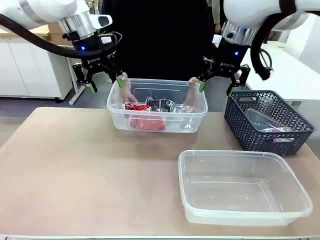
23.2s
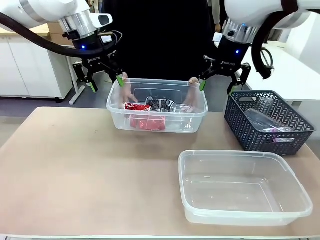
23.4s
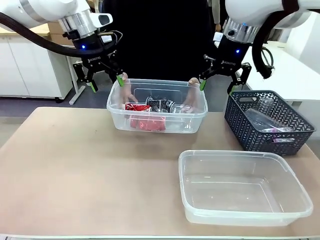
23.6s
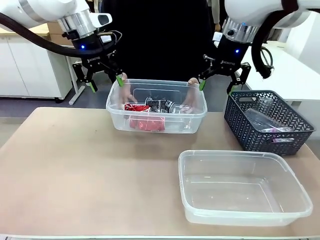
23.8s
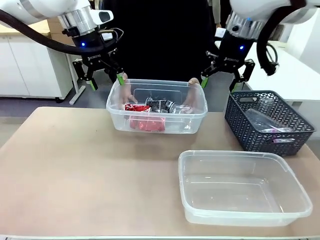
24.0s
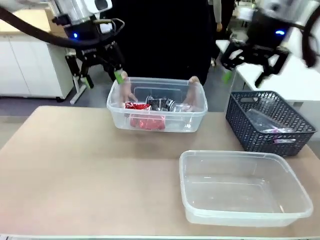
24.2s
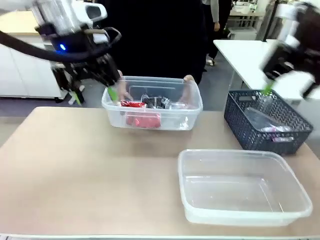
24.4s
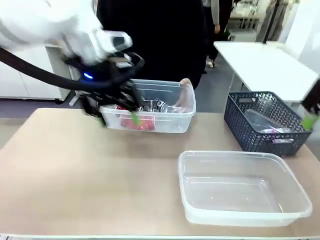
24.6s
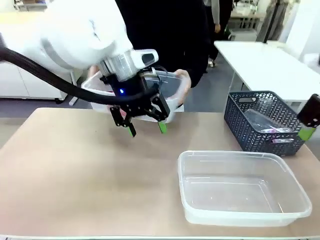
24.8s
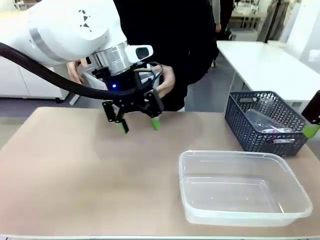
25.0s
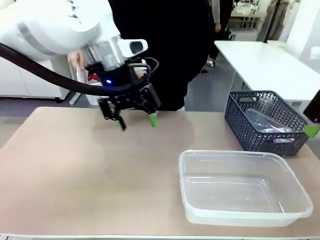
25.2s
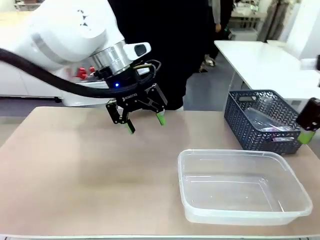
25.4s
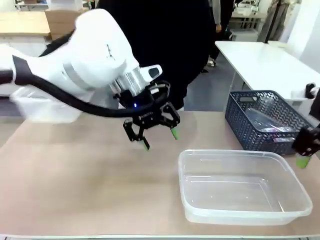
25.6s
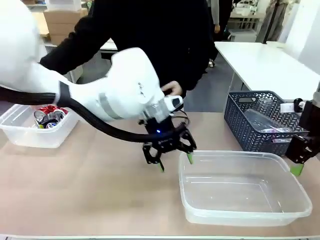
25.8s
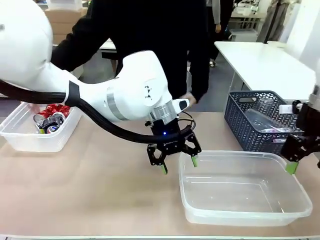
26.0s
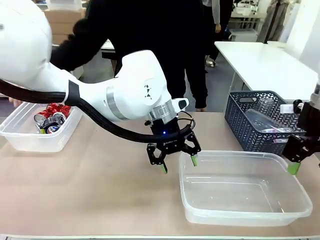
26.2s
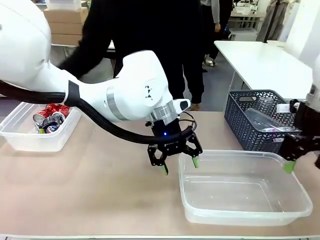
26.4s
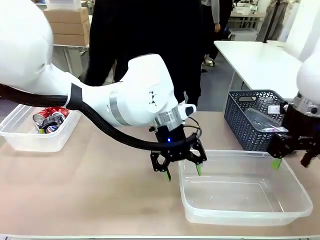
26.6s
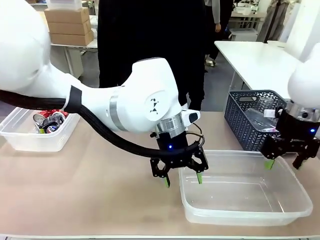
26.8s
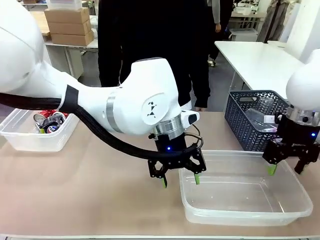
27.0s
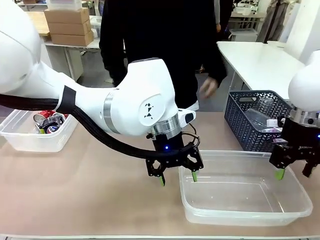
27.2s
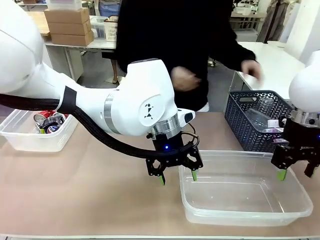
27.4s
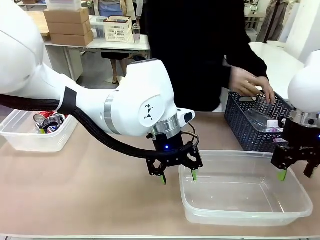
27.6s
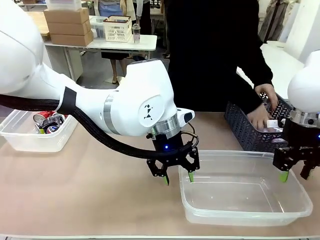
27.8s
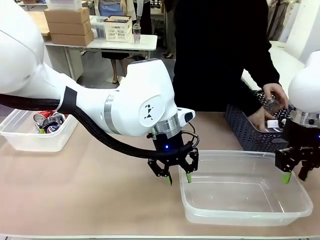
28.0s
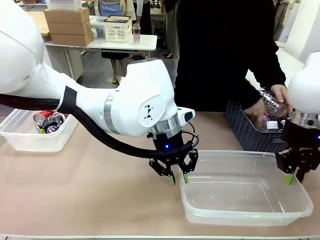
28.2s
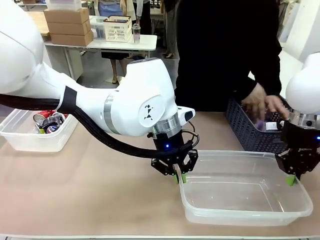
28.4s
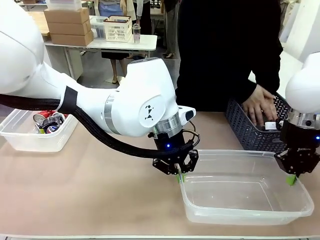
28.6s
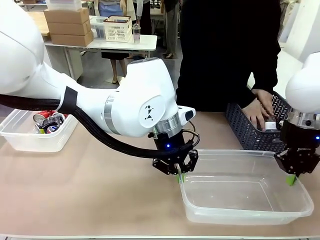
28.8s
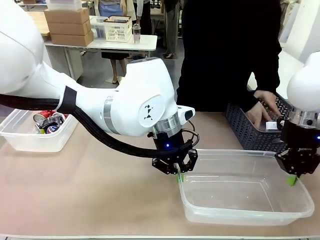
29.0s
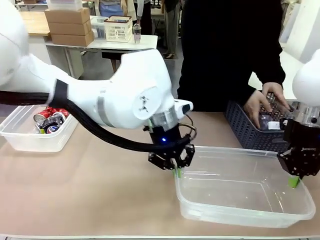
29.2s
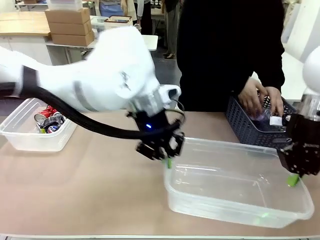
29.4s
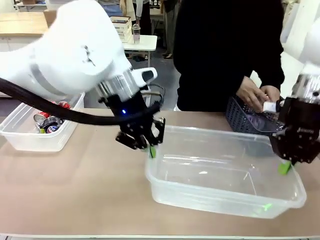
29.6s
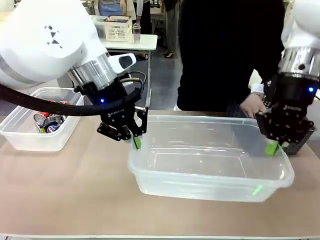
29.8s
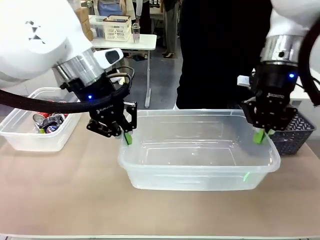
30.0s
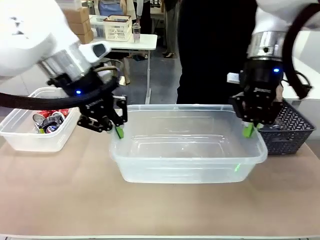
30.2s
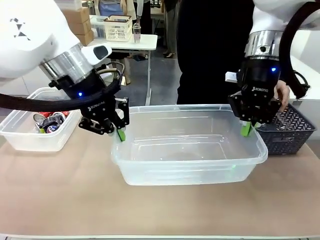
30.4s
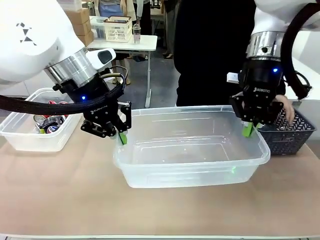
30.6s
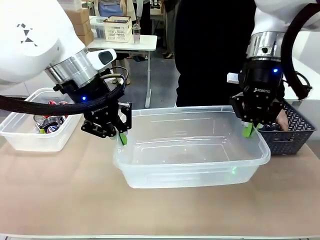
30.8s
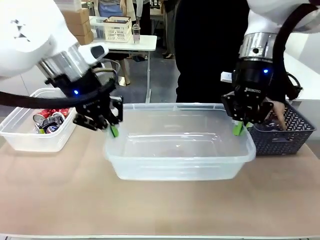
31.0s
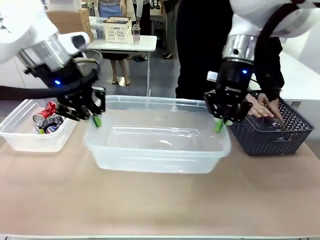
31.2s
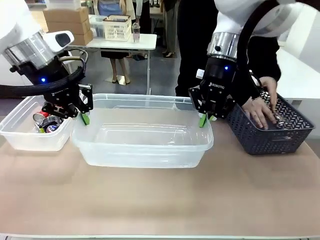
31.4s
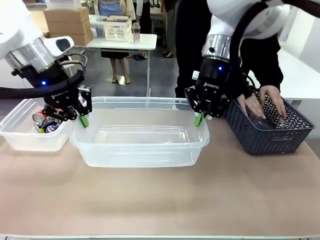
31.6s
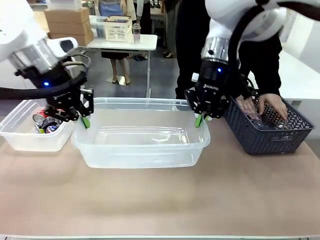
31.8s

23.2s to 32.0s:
Robot: Pick up the Organizing box on the right side of the table and lift it.
Person: Place it at the edge of the bottom right area of the robot table. Pick up plastic waste one by one and place it into the organizing box lifted by the robot.

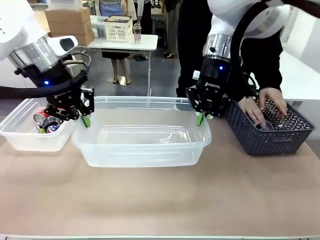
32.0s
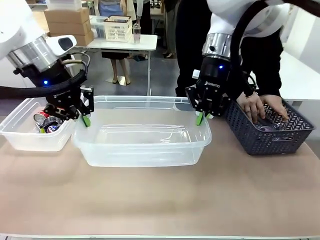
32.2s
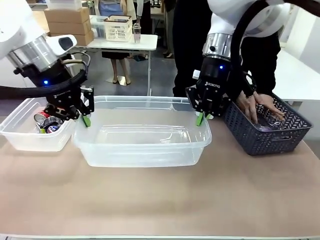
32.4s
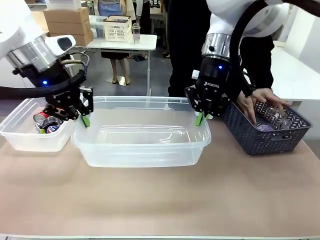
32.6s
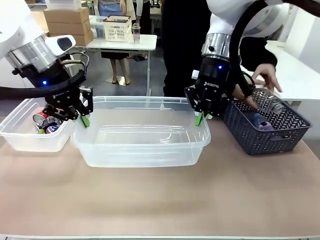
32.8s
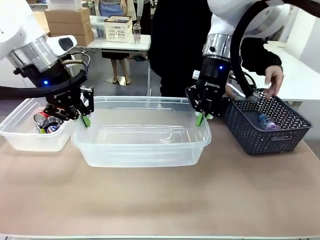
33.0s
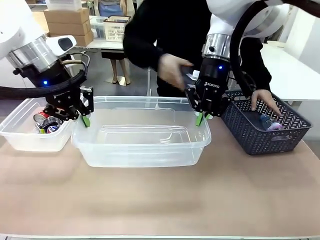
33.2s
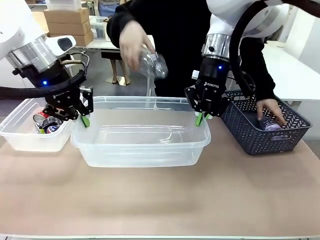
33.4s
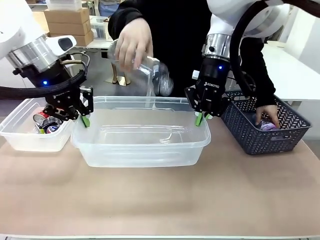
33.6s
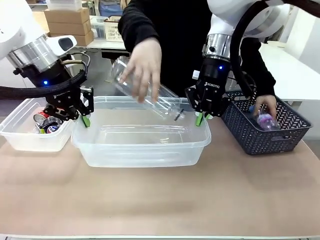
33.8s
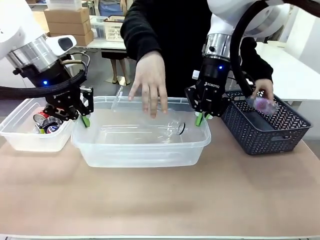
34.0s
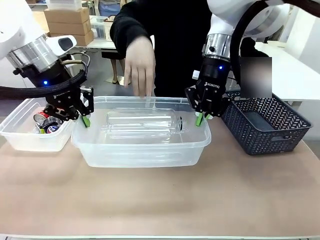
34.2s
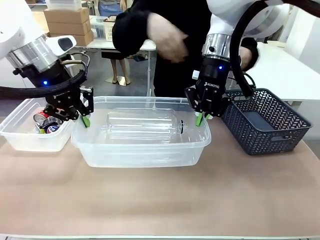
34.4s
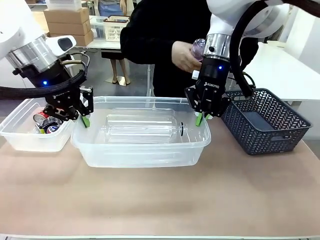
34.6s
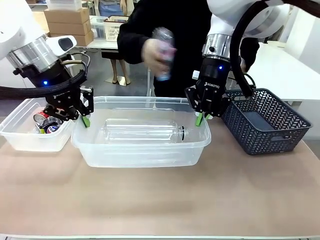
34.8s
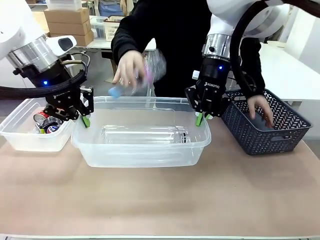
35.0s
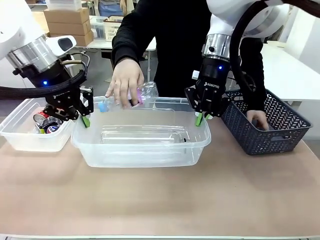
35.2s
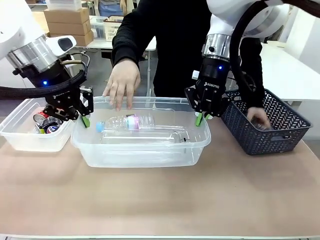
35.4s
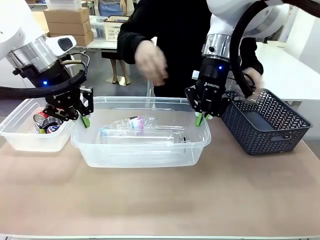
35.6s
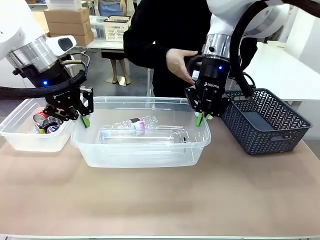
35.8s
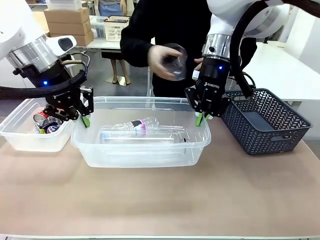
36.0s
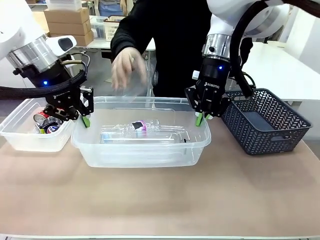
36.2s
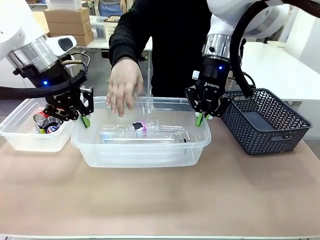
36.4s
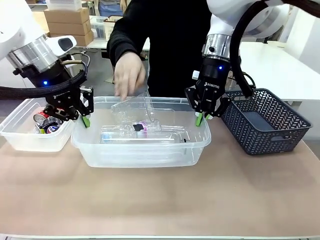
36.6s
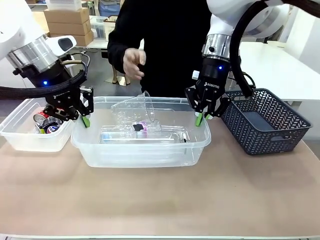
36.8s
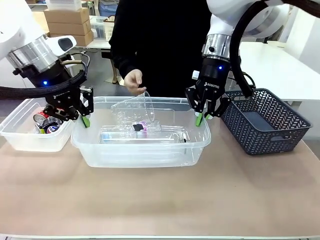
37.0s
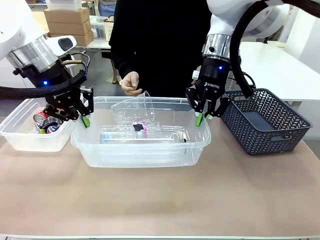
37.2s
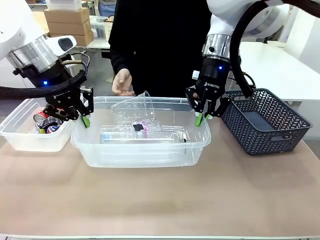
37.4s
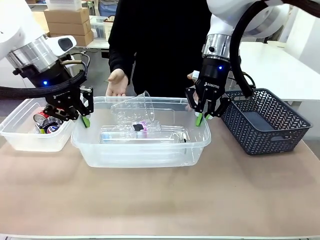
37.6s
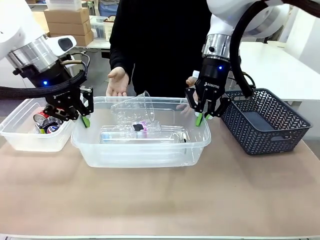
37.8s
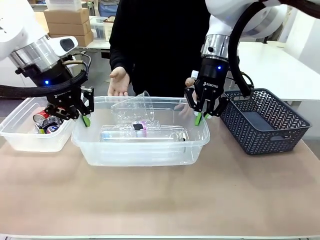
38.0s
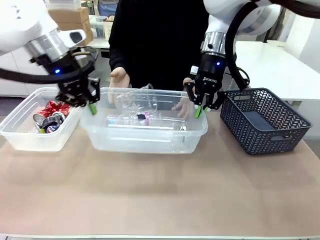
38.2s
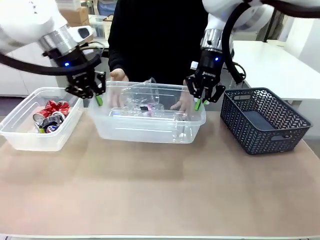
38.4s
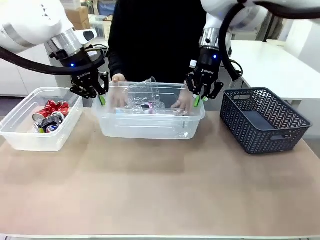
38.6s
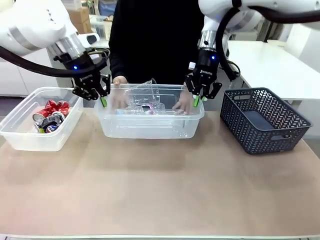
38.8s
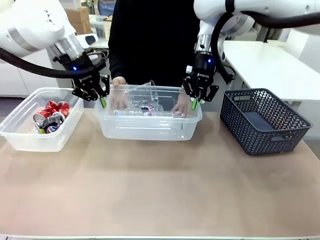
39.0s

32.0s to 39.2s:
Robot: Offer the picked Organizing box to the human.

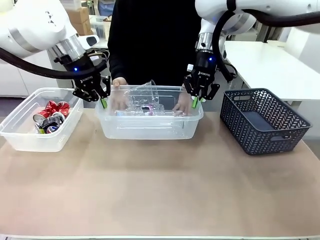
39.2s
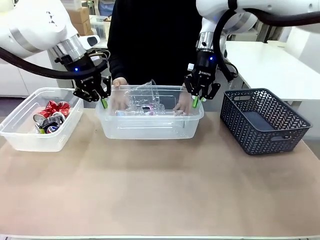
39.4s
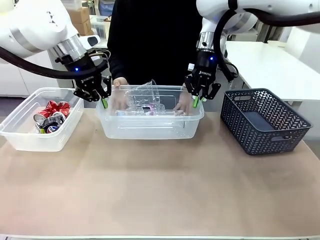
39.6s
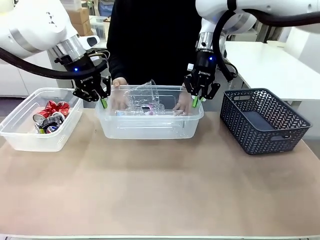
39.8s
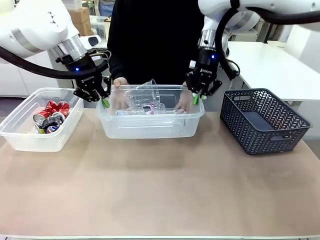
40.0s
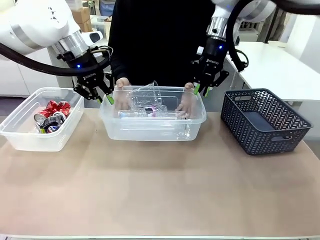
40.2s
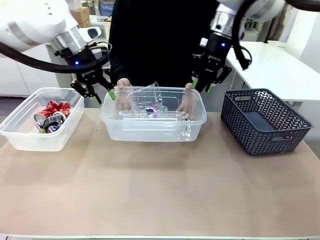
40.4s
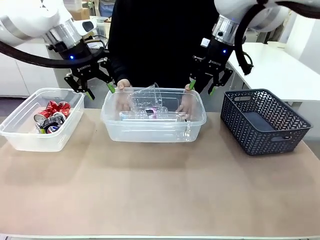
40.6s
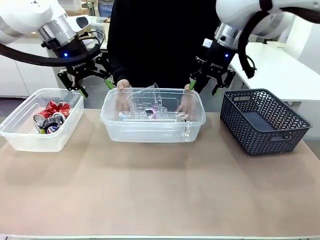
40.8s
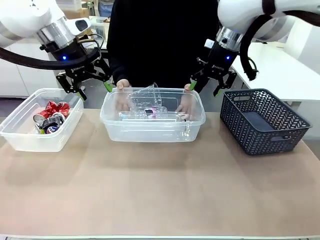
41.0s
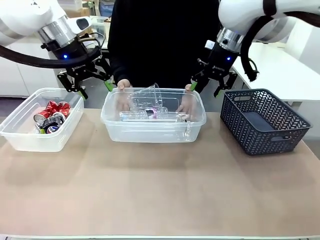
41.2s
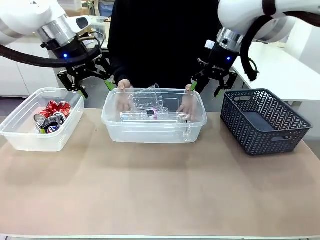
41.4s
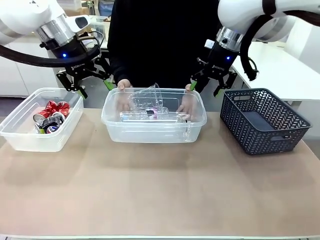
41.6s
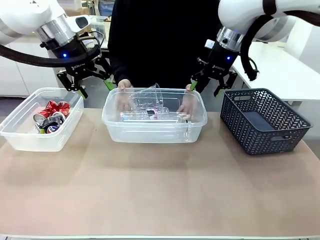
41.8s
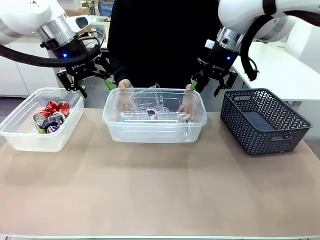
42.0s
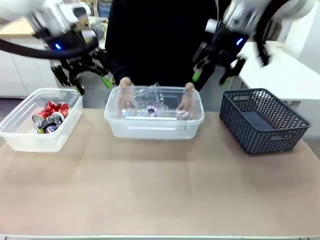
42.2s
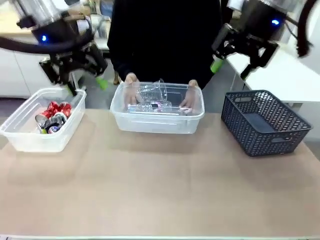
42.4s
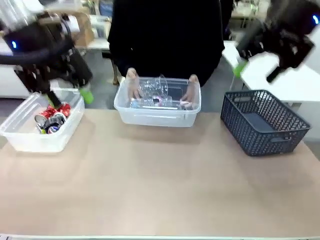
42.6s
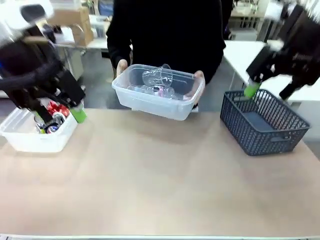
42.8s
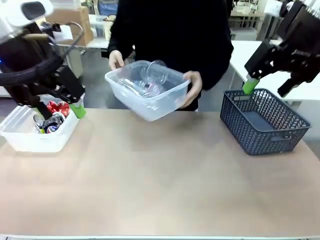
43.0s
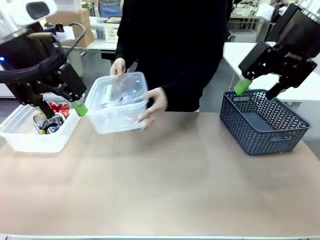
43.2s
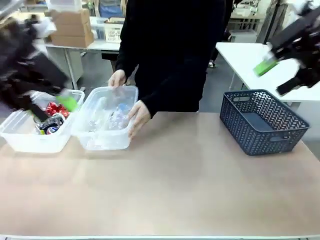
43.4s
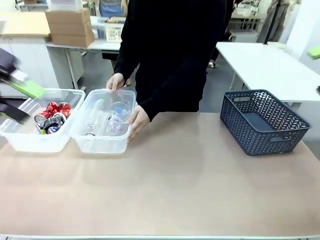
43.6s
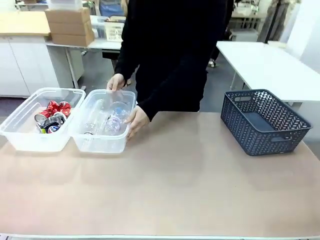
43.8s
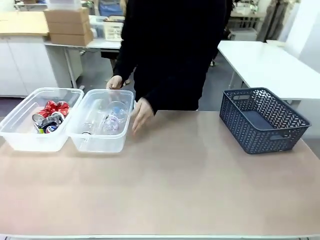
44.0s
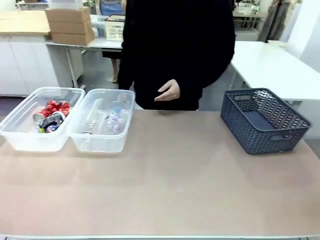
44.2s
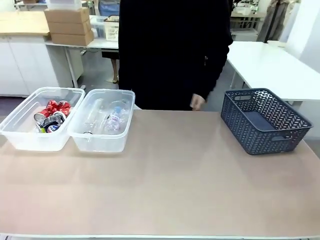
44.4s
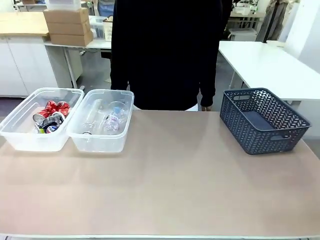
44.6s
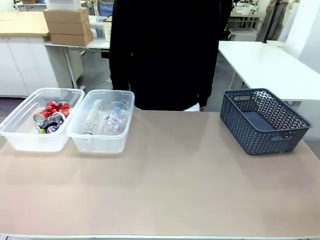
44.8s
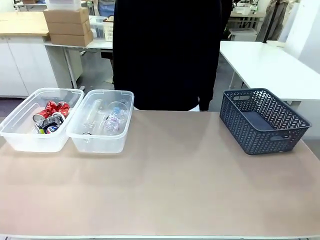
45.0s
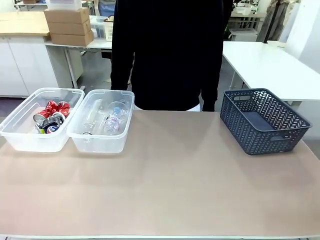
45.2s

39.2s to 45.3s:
Robot: Release the Organizing box you were holding.
Person: Pick up the organizing box extended by the robot. Place the organizing box to the left of the sorting box containing the can waste.
